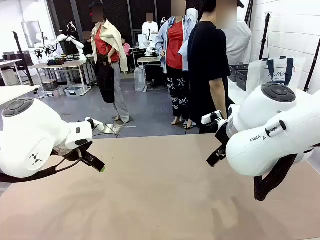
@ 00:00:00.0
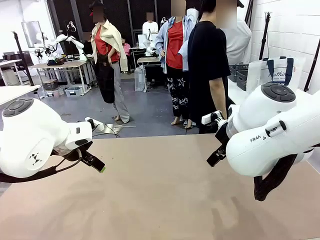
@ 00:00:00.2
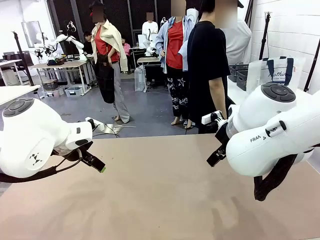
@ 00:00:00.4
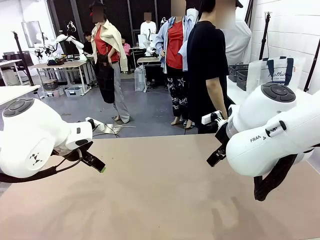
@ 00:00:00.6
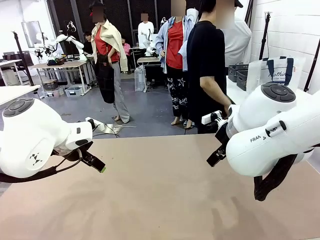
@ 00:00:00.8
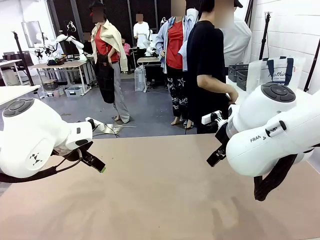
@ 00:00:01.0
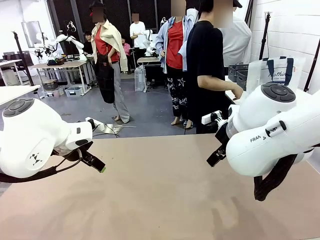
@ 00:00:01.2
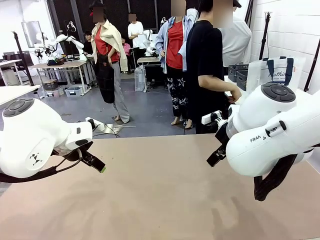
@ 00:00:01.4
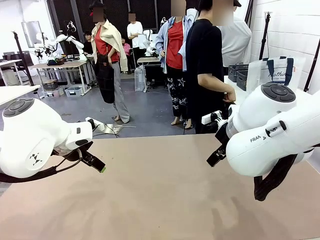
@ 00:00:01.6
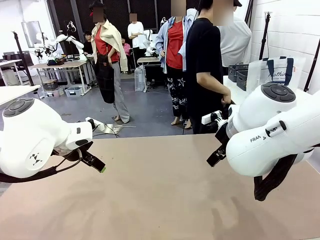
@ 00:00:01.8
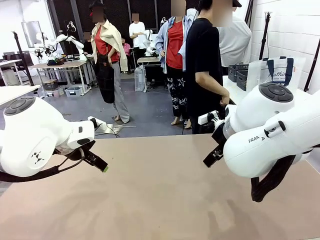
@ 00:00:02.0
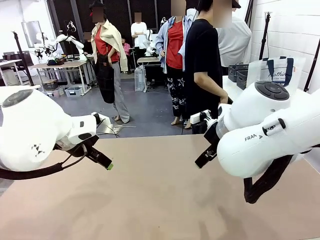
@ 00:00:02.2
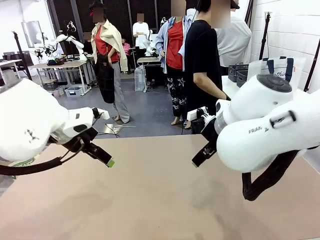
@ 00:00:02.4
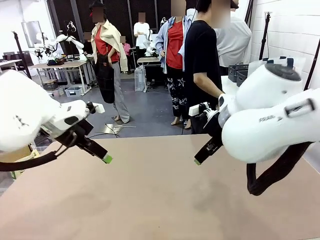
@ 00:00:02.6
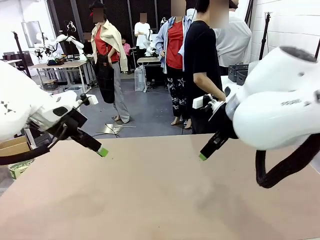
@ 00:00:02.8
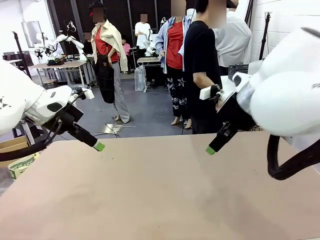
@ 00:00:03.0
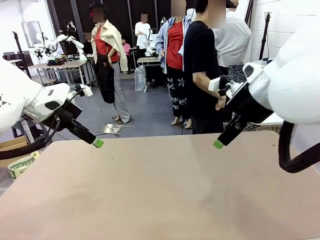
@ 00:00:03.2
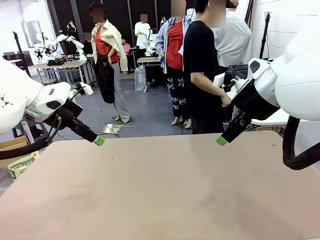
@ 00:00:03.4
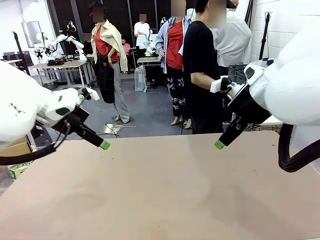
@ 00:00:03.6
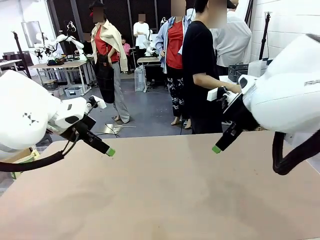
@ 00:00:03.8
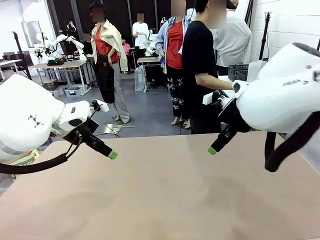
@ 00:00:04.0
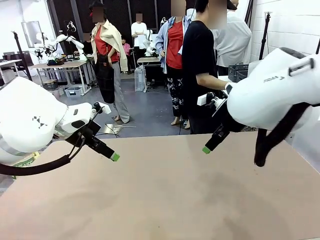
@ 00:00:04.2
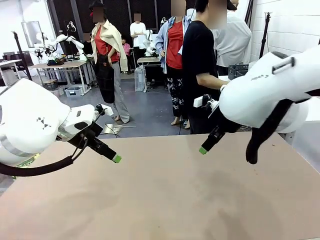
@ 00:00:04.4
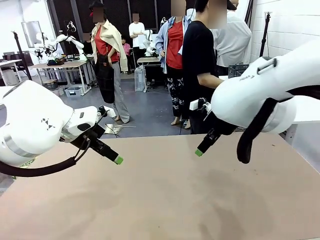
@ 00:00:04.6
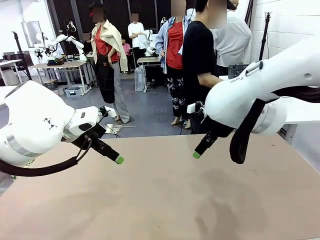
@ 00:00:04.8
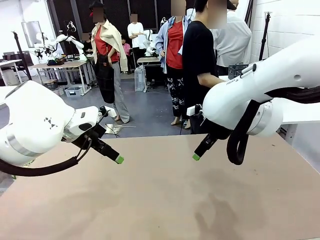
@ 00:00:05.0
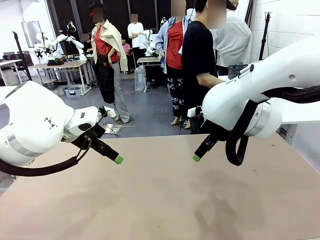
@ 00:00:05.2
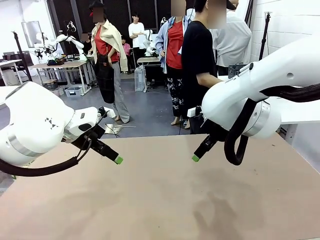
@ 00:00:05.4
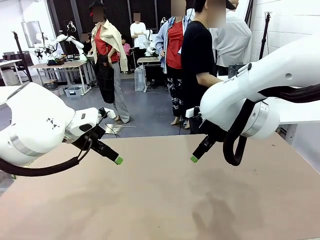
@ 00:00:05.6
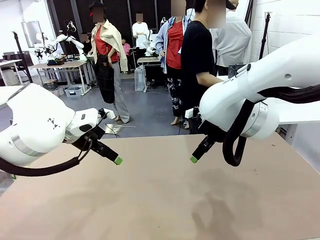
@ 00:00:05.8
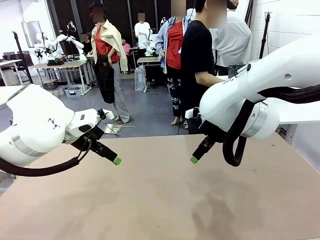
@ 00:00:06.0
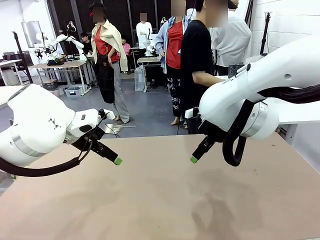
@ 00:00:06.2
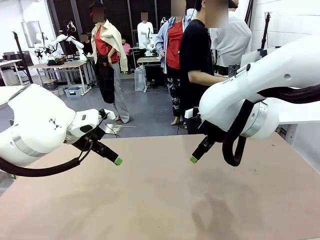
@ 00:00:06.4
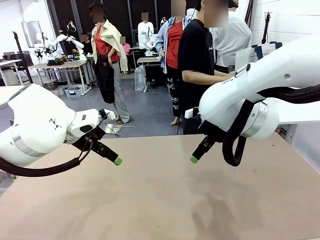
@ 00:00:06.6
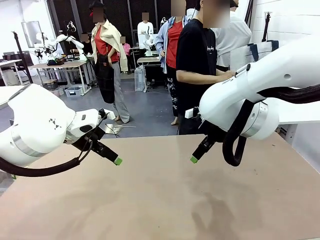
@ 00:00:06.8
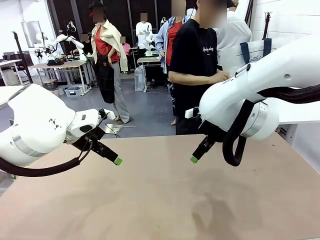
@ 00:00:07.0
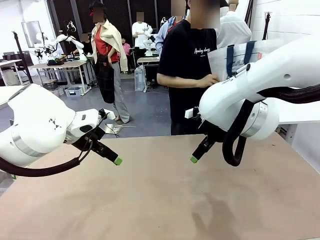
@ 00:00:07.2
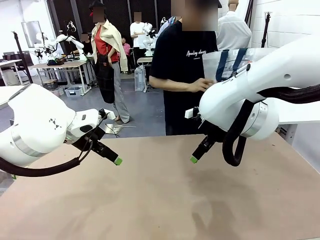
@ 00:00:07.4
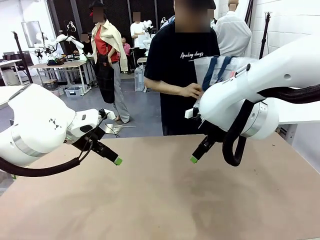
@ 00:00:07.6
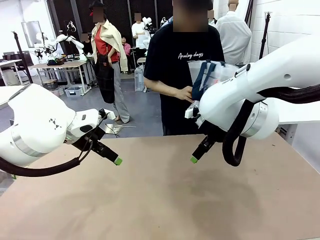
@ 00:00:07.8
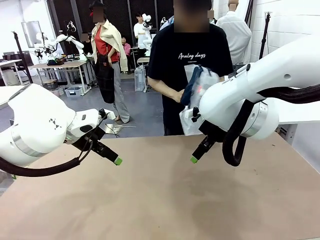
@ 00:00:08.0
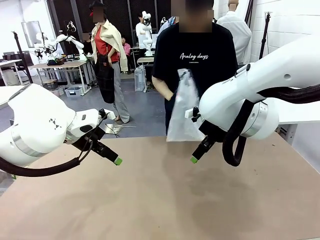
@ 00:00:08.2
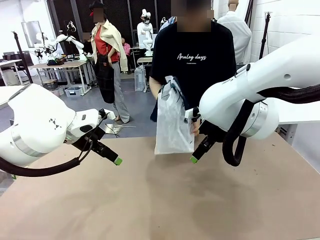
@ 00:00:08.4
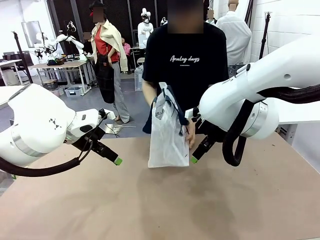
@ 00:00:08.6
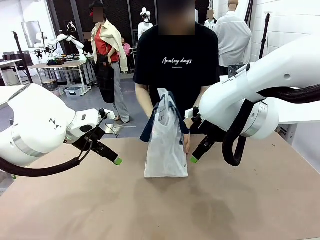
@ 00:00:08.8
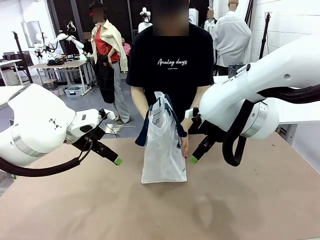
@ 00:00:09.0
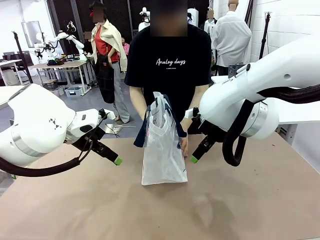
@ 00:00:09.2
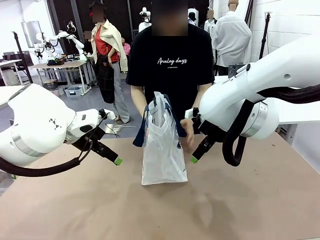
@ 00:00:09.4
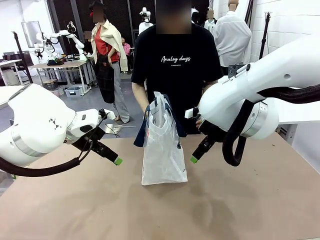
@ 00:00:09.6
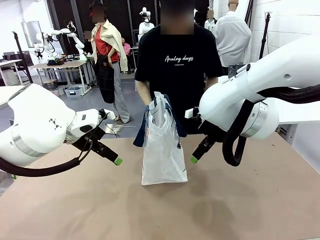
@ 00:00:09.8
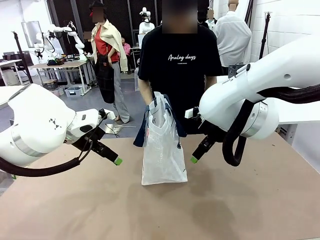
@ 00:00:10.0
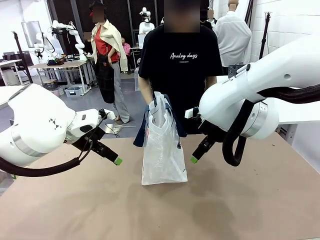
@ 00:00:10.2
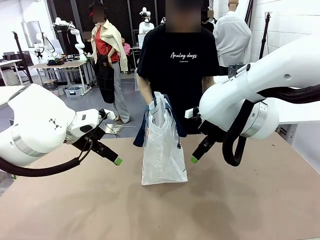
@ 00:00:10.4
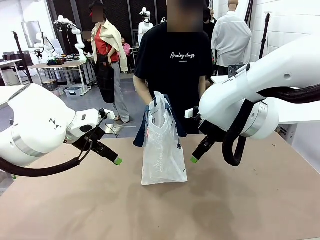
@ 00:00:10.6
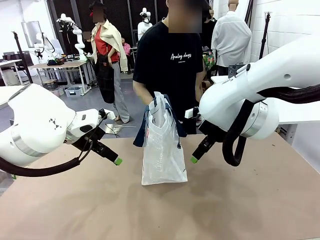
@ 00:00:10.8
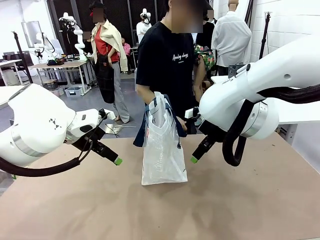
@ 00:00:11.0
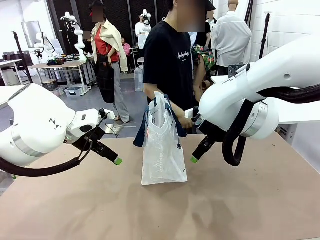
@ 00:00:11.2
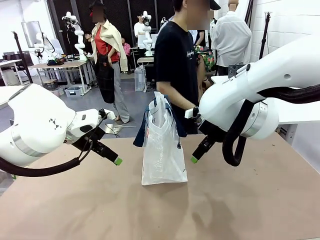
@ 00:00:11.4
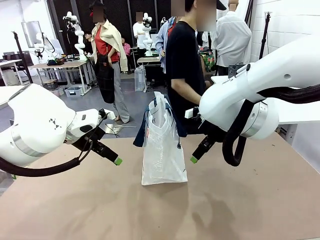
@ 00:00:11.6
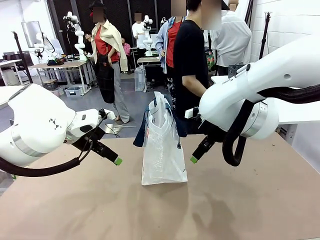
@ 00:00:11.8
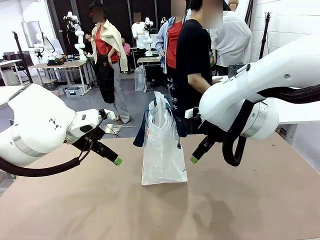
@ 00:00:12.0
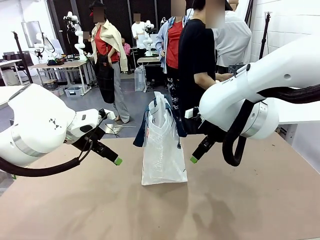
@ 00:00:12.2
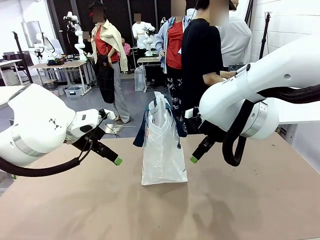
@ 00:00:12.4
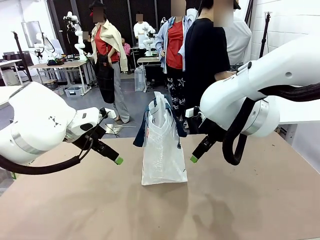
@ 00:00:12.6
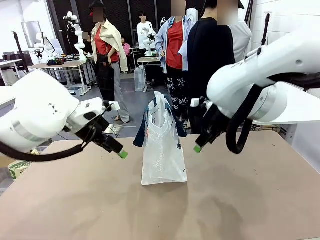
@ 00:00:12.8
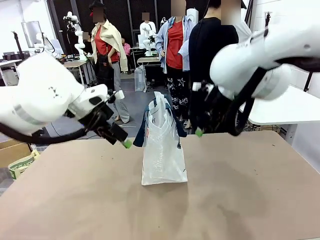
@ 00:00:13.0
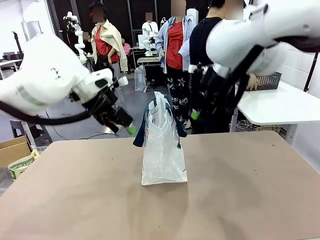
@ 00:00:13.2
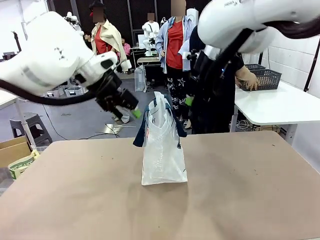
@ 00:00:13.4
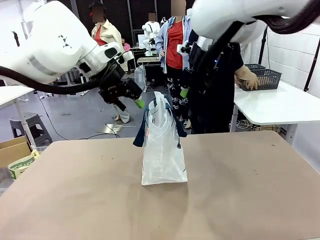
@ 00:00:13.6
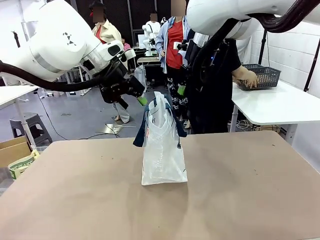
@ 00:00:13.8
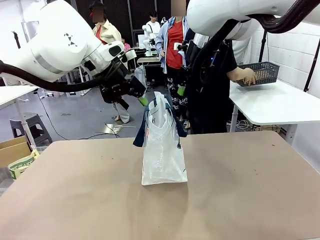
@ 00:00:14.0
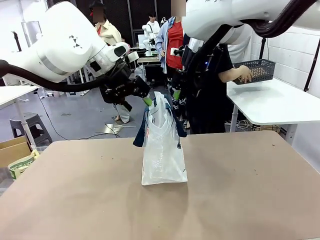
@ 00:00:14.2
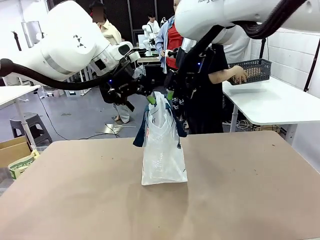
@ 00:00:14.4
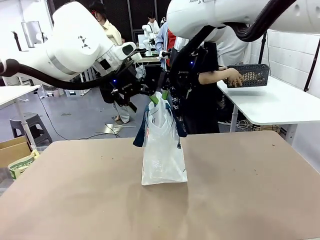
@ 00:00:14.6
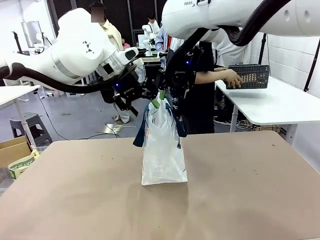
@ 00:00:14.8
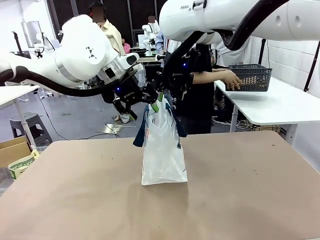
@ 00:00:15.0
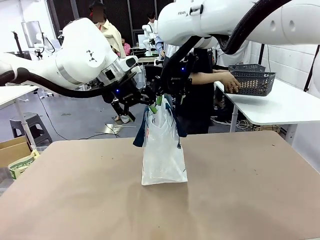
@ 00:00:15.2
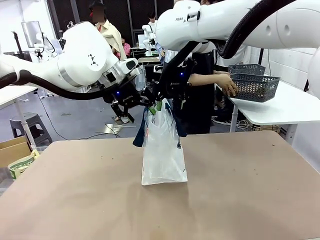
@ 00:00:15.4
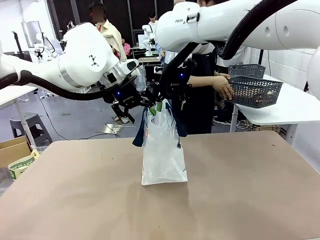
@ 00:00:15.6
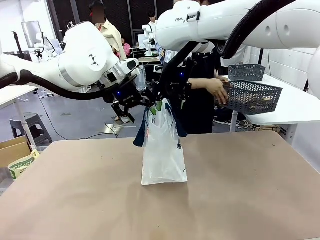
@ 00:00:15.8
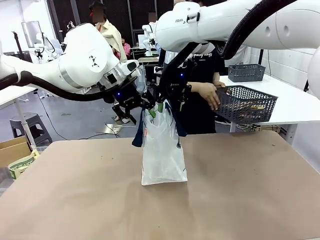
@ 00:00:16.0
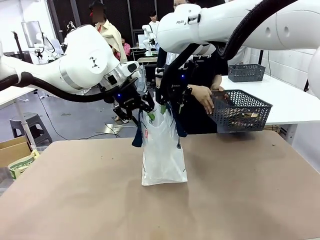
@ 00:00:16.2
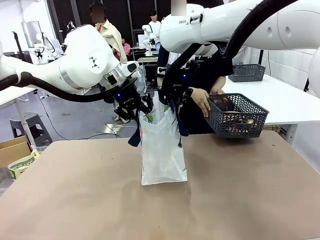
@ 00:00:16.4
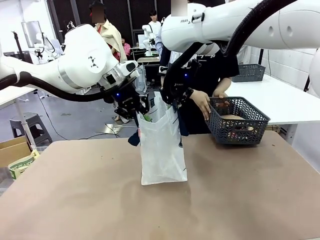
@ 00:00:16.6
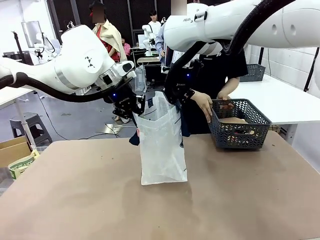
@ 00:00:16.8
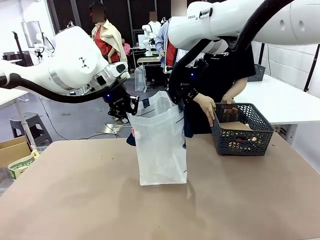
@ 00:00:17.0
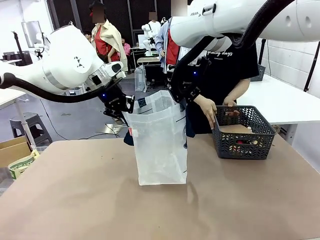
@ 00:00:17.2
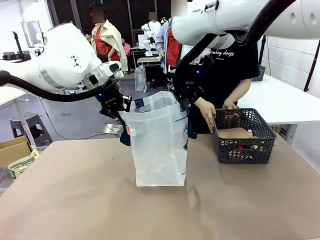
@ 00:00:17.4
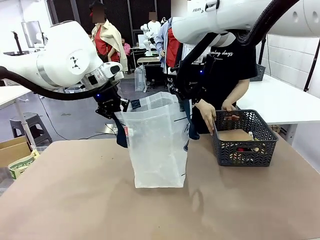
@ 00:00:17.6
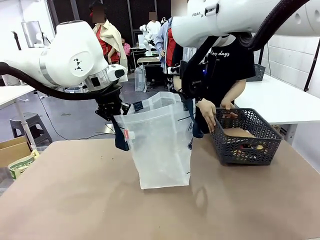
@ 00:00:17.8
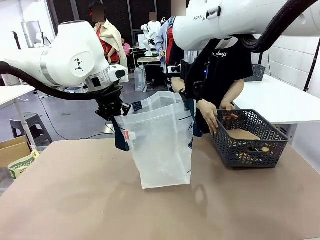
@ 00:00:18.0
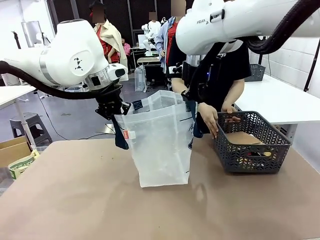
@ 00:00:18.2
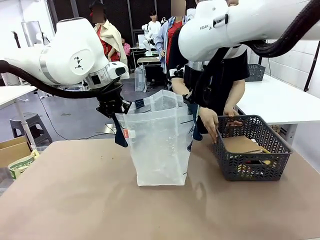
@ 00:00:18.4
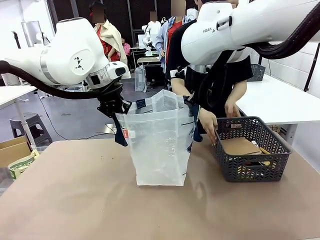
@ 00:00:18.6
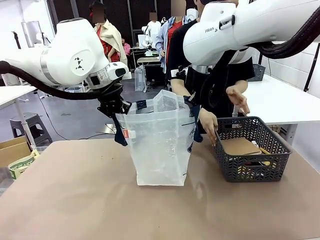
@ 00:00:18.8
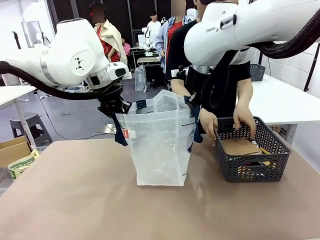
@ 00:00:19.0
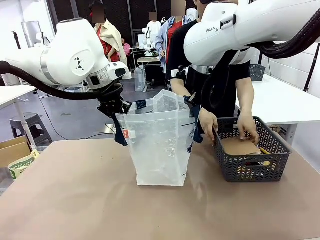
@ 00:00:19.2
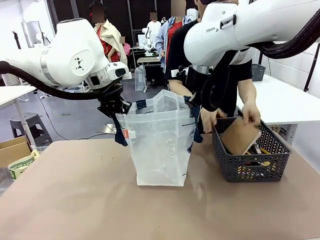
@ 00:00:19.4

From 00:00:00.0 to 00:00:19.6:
Task: Transfer purchased items from the store into the shopping bag.
Robot: Open the Reusable shopping bag in the center of the table.
Person: Pick up the shopping bag and place it in the middle of the robot table.
